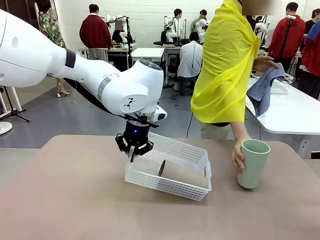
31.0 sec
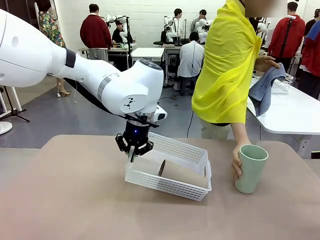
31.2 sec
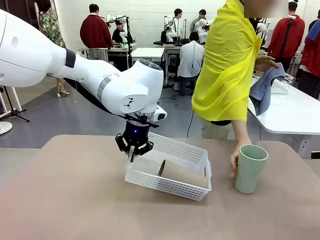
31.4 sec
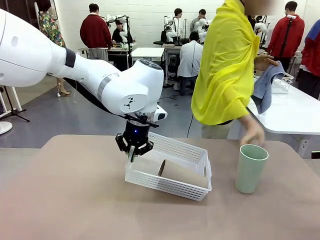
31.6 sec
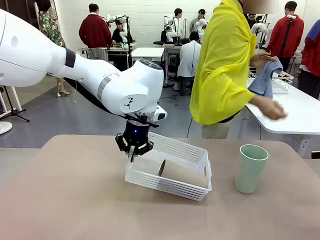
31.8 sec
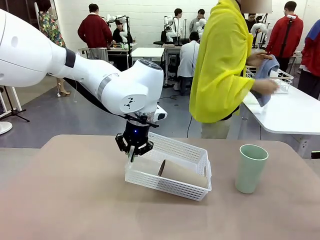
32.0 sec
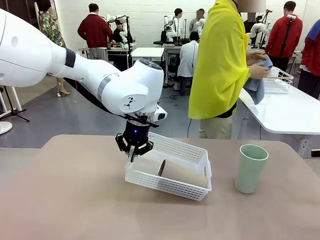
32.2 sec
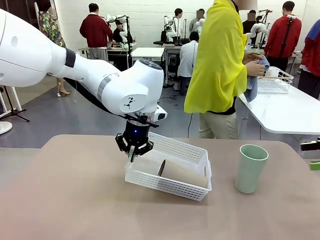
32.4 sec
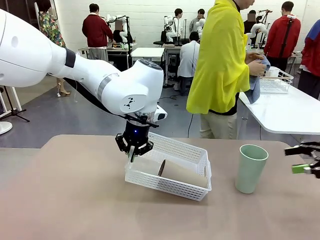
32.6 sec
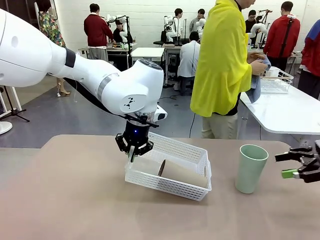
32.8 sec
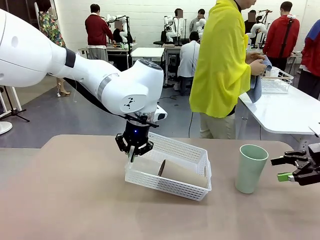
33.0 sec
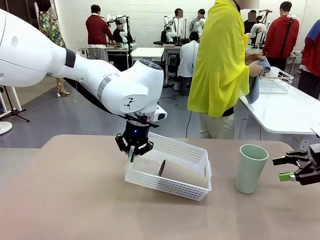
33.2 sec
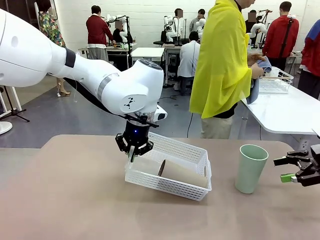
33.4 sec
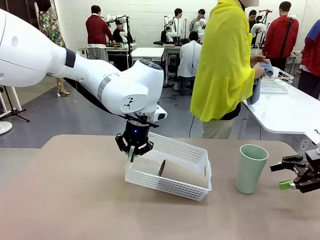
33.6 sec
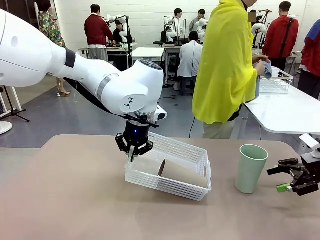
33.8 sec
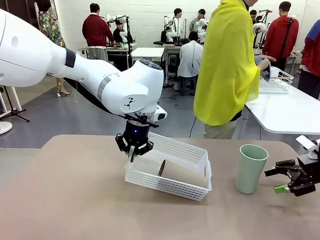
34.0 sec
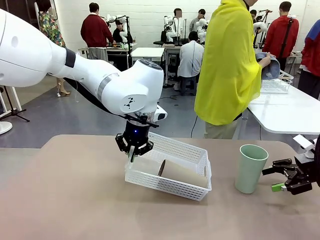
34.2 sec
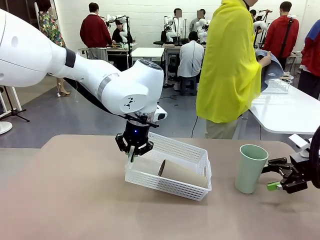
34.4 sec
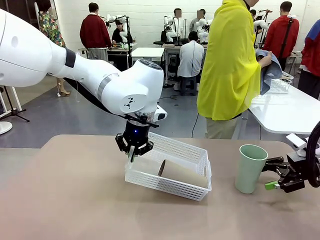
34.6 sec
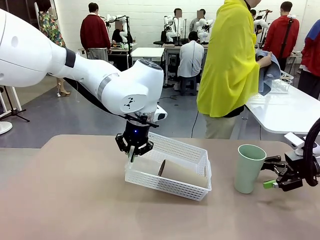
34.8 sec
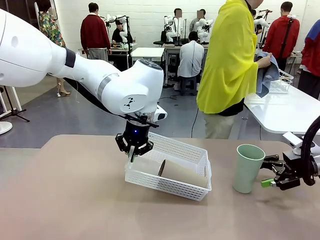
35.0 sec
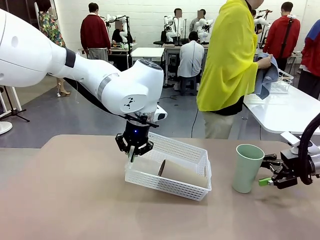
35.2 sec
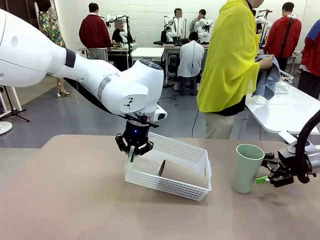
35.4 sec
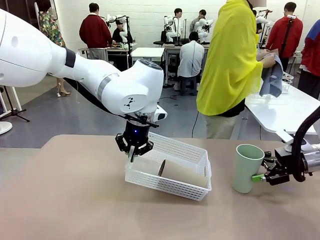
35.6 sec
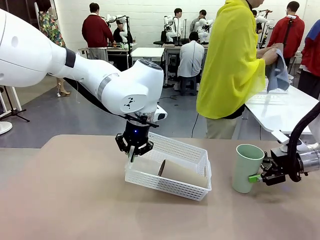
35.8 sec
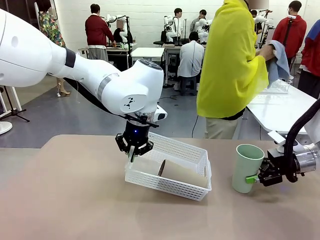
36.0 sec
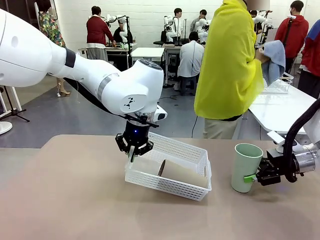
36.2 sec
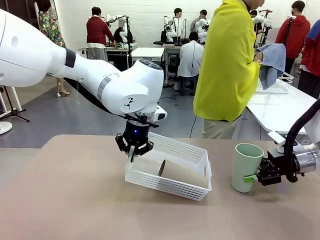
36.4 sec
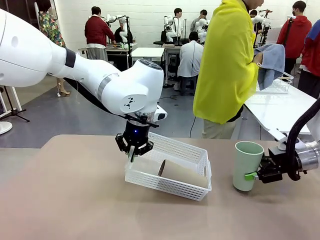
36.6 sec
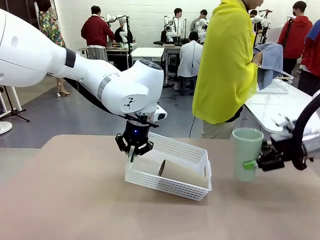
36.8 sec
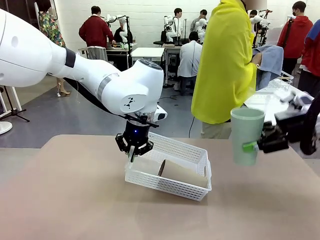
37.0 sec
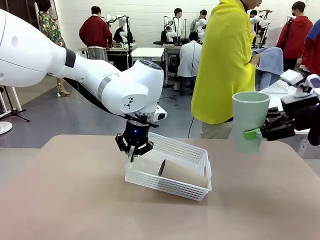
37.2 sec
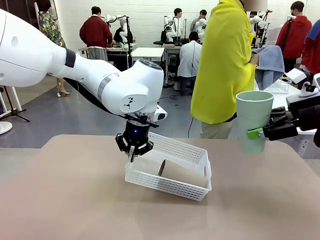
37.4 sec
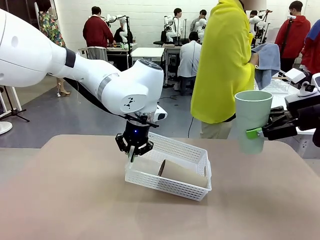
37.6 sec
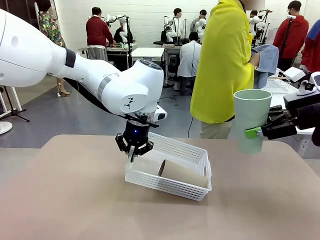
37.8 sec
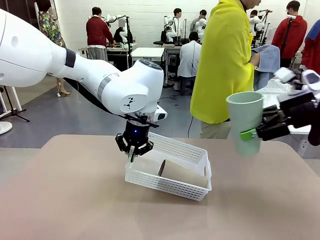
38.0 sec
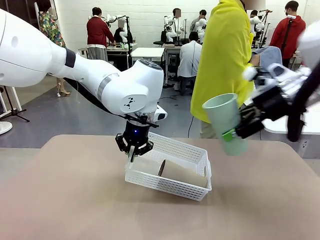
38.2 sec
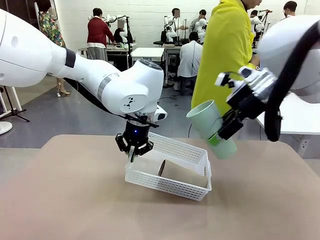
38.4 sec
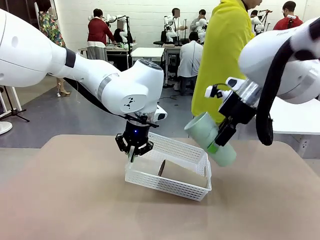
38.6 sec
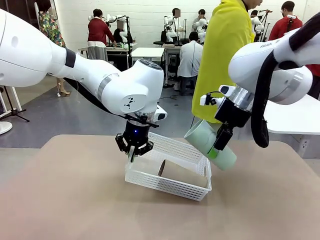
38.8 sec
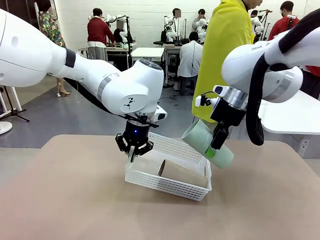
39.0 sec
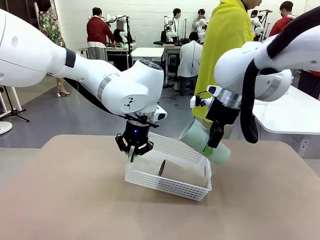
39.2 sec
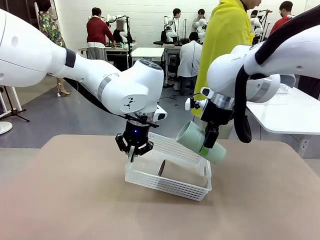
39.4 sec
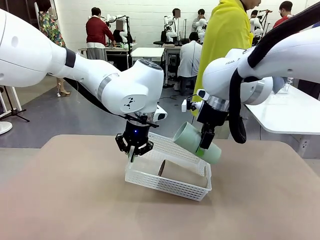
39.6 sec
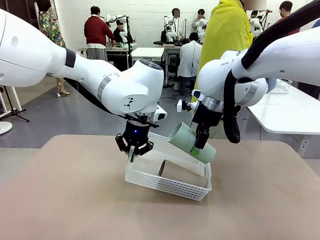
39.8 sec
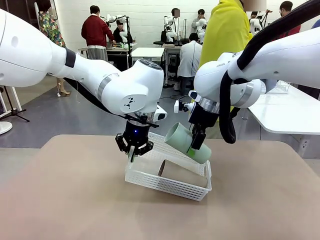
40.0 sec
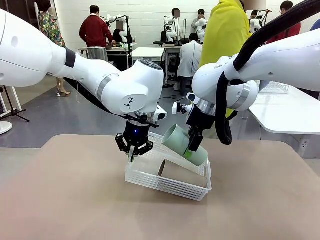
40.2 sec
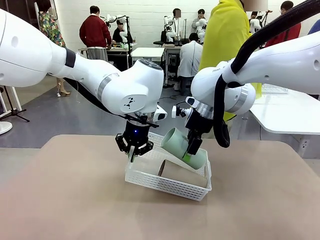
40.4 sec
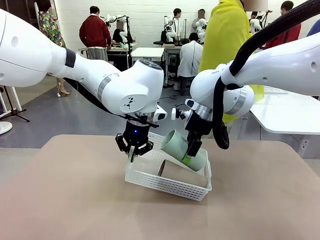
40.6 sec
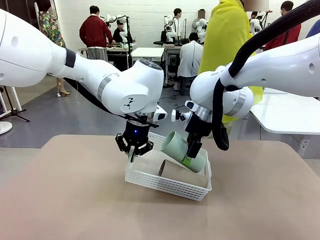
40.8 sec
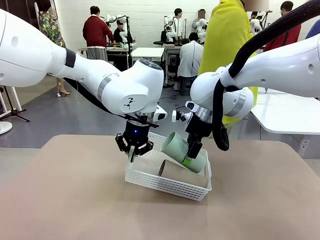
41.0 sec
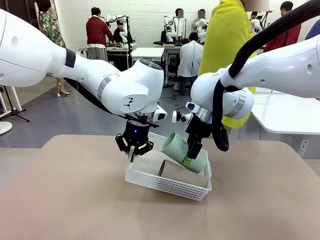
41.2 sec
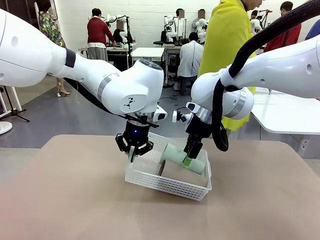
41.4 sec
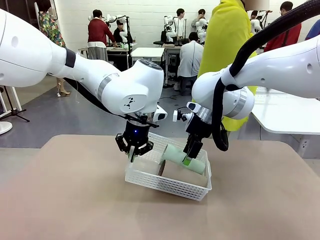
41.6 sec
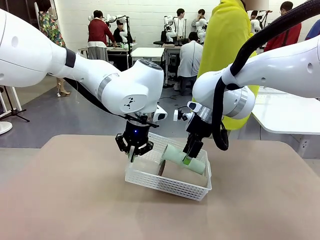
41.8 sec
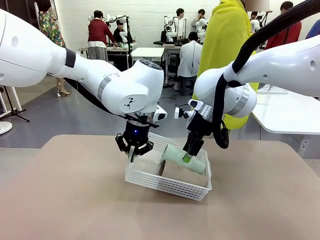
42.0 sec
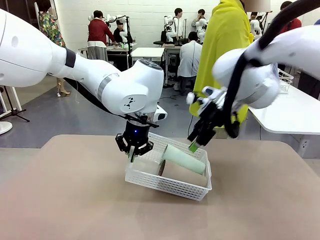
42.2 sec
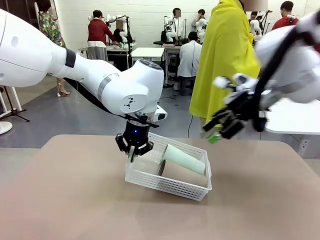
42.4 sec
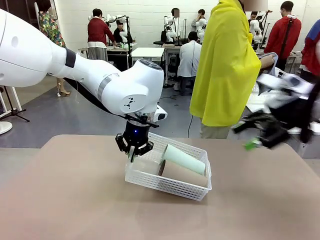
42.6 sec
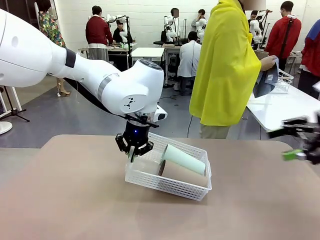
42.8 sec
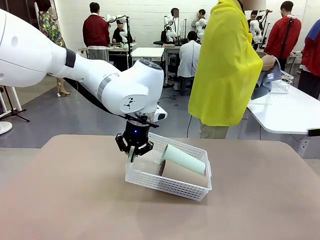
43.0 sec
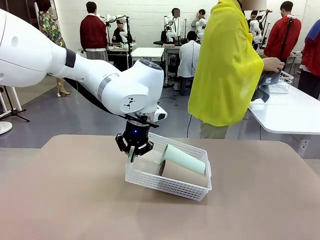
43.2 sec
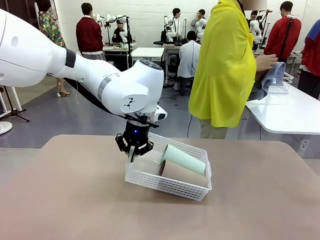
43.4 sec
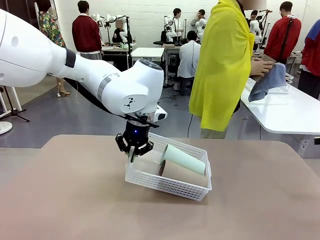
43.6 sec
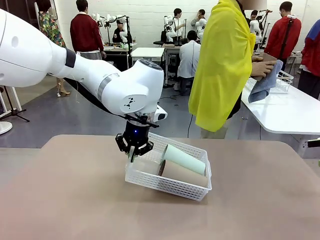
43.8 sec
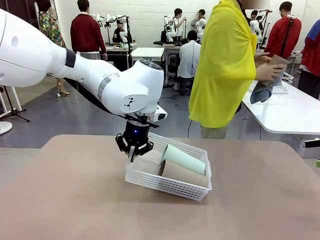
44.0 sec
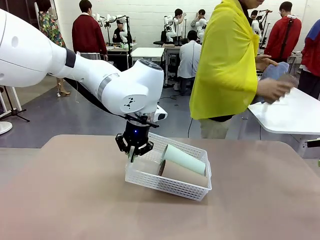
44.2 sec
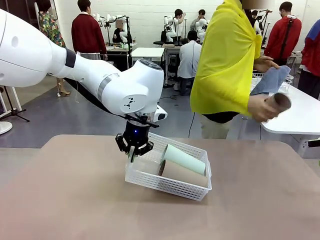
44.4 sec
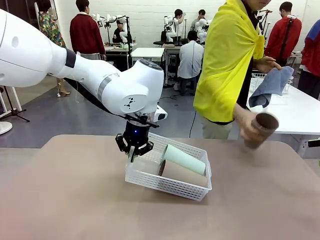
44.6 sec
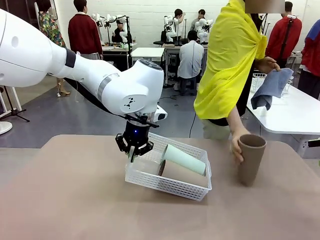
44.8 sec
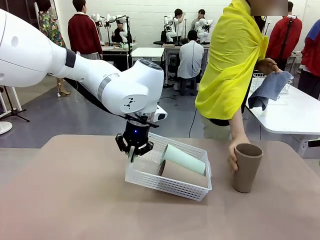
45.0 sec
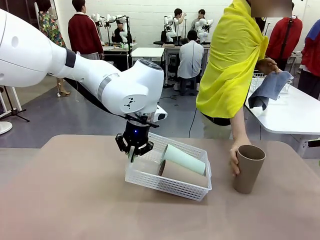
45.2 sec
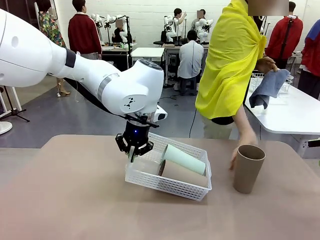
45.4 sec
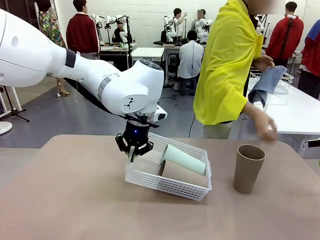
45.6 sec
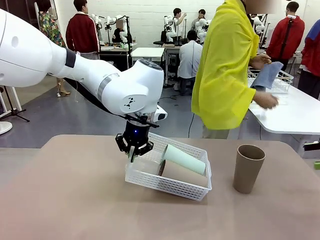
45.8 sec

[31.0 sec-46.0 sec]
Task: Clean and organize the cups into the basket.
Robot: Pick up the Reusable plastic cup from the right side of the table and stack it inside the Organizing basket in the center of the table.

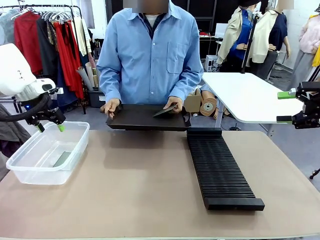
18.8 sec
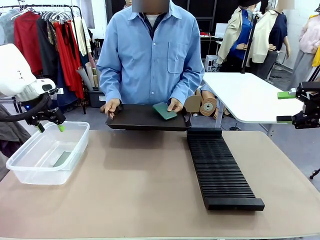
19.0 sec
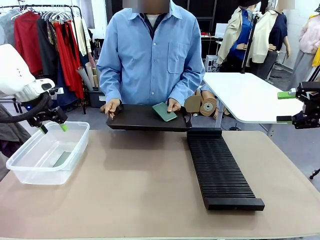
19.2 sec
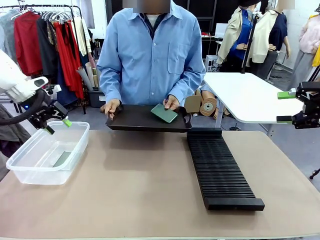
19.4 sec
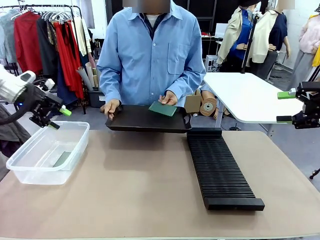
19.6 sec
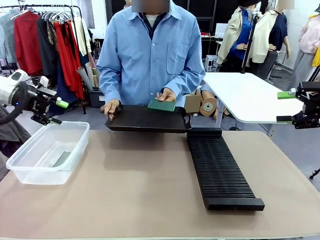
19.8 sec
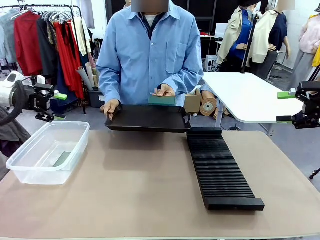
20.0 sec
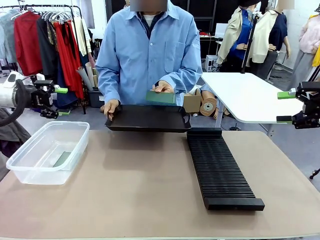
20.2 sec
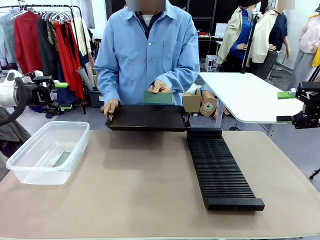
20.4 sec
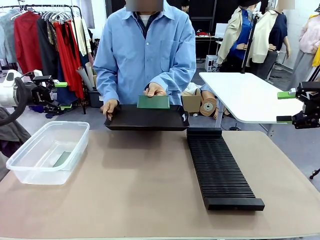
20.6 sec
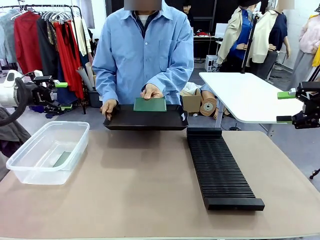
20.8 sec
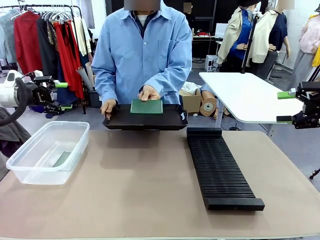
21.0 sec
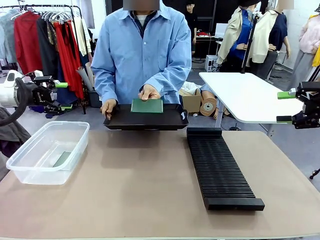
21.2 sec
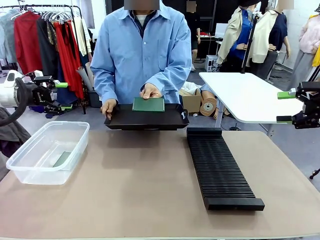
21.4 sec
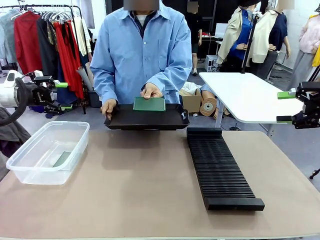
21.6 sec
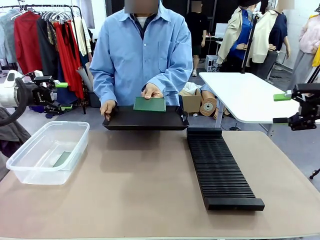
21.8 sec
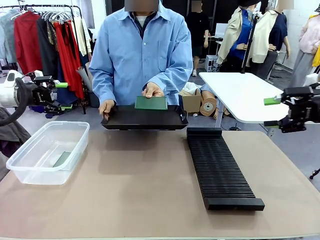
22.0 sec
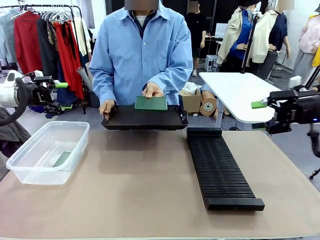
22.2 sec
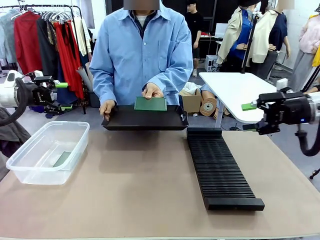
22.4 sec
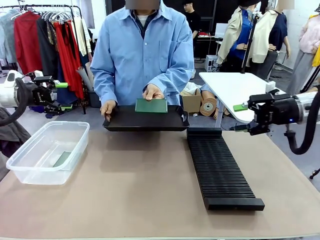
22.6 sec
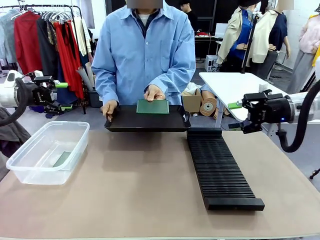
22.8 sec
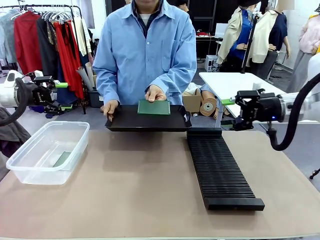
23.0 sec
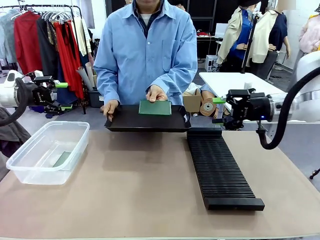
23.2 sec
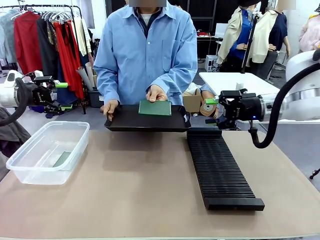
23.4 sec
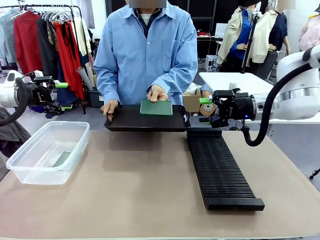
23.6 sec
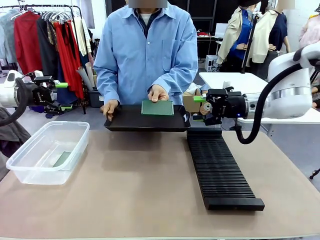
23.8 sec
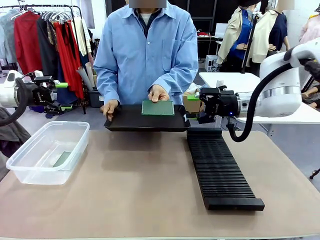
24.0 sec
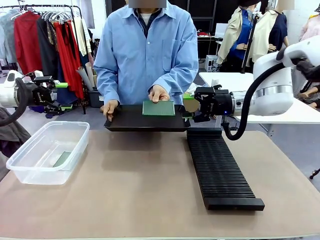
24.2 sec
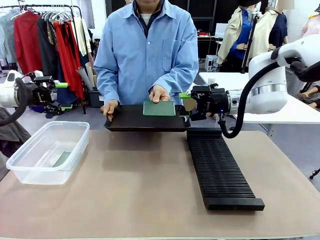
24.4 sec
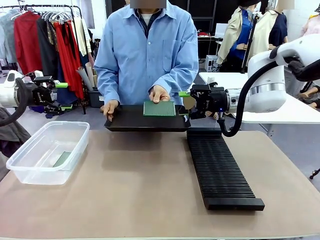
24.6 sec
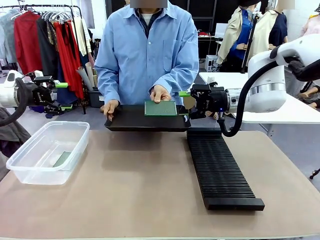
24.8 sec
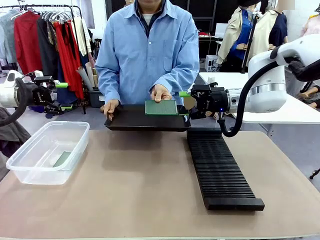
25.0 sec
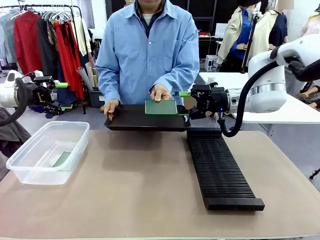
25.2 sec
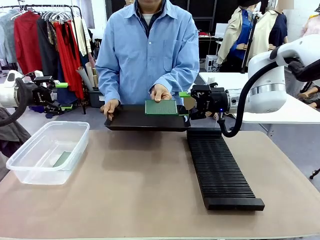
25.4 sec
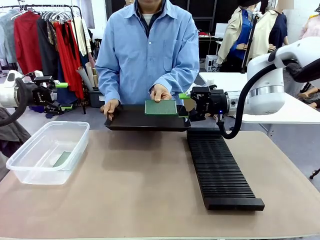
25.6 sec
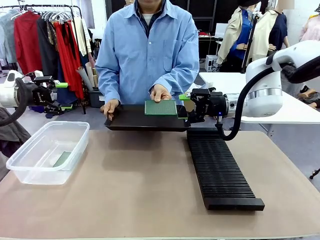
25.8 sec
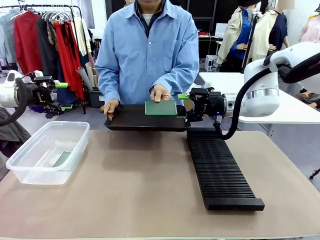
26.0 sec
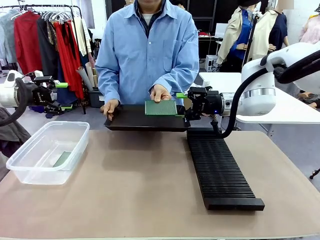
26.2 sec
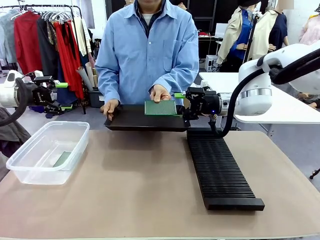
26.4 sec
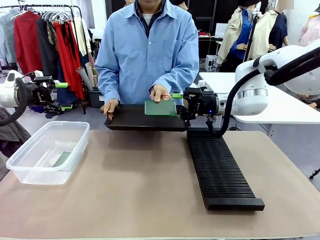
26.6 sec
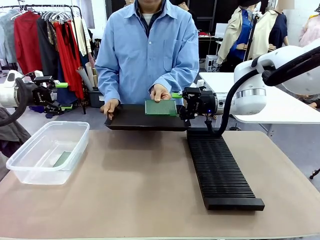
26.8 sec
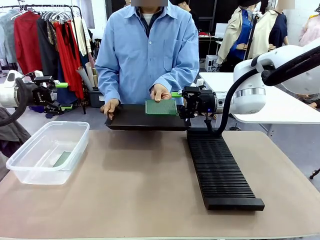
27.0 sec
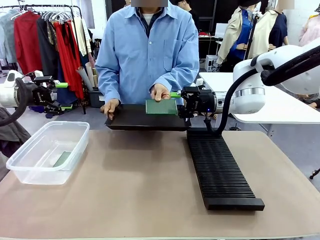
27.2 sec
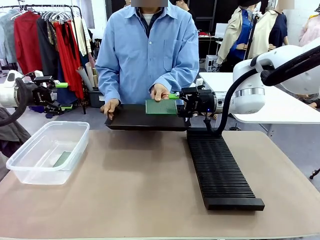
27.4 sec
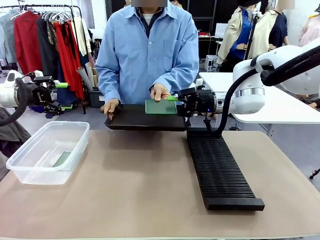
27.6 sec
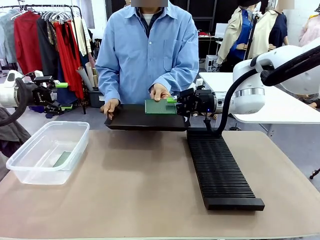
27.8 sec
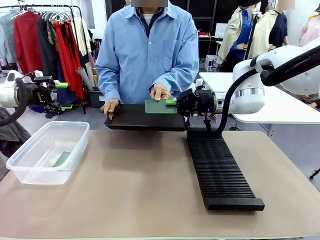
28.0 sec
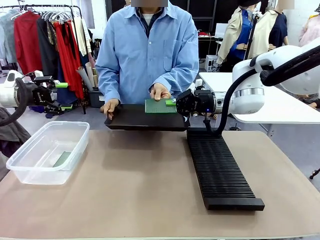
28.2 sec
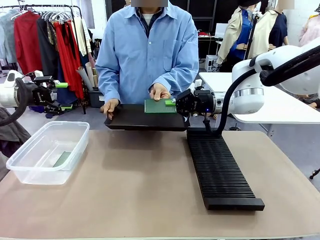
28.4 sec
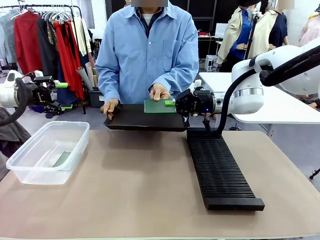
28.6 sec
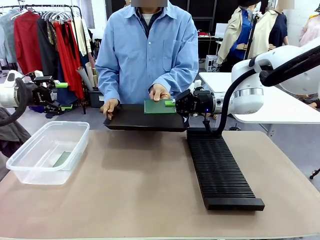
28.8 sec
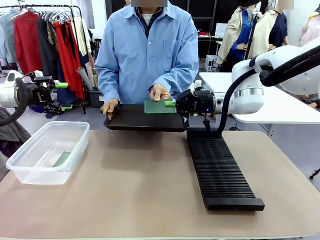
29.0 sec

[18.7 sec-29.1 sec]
Task: Sort PCBs into racks and boxes based on the side picked up.
Robot: Pick up the Blank PCB handed by the Human.
